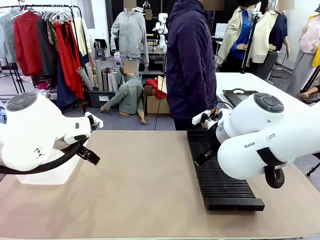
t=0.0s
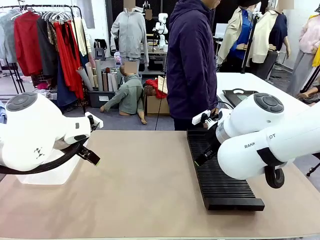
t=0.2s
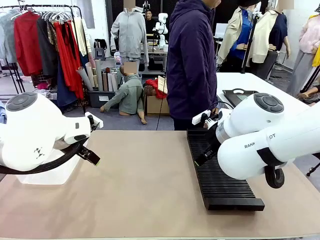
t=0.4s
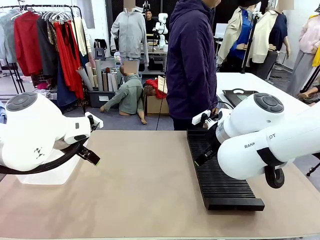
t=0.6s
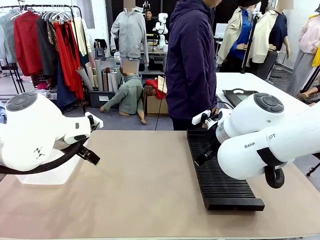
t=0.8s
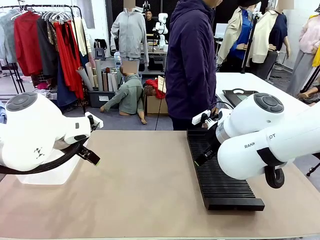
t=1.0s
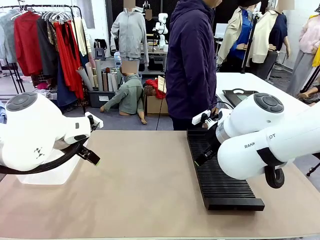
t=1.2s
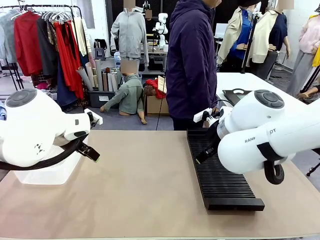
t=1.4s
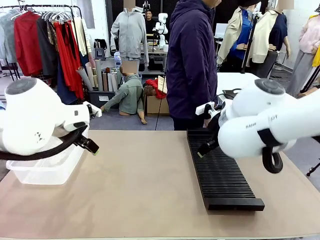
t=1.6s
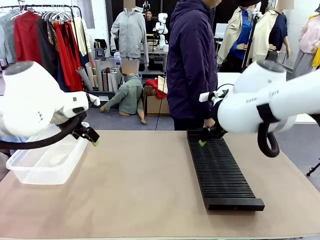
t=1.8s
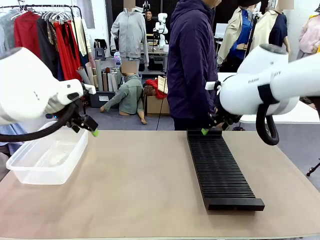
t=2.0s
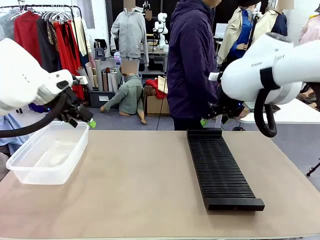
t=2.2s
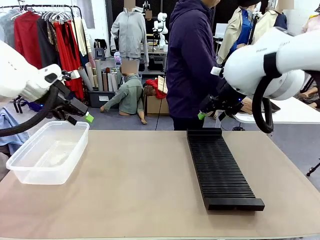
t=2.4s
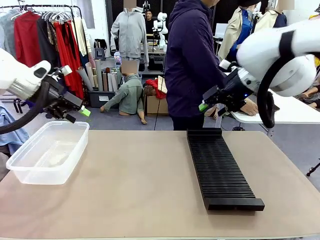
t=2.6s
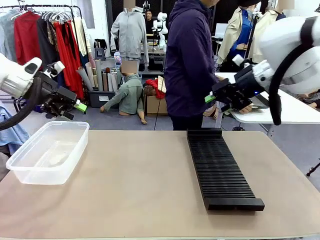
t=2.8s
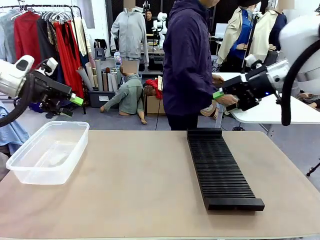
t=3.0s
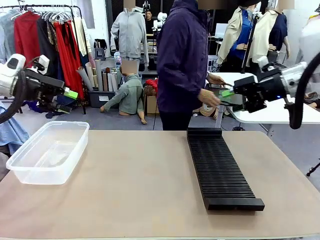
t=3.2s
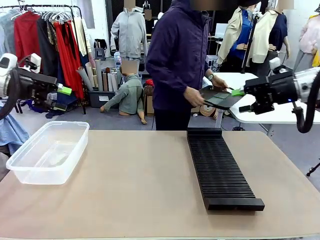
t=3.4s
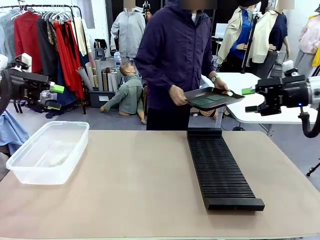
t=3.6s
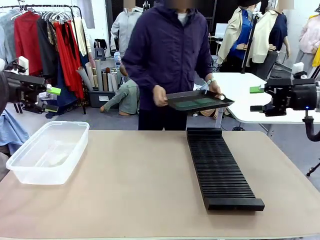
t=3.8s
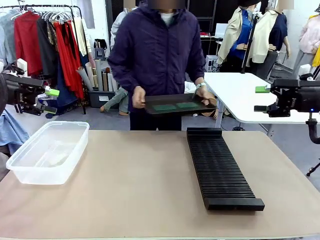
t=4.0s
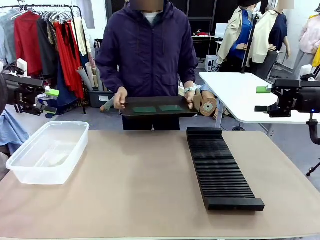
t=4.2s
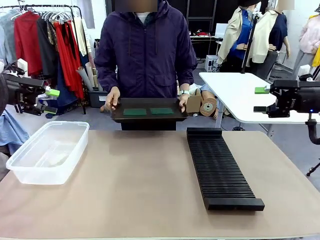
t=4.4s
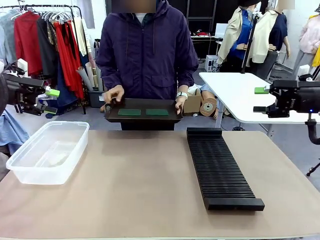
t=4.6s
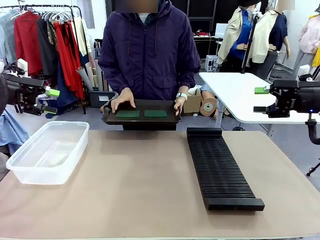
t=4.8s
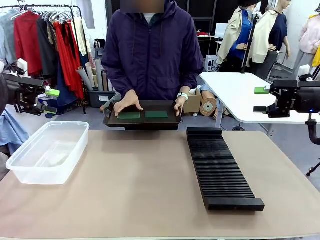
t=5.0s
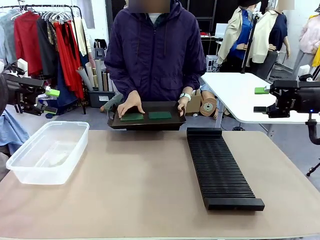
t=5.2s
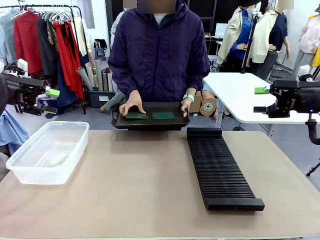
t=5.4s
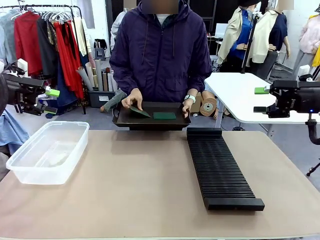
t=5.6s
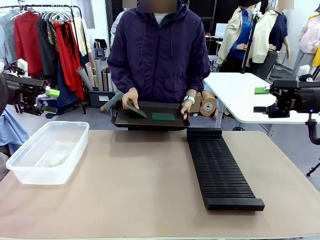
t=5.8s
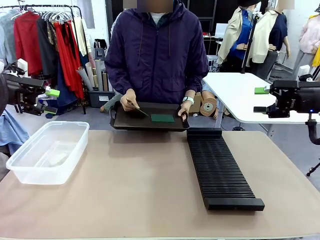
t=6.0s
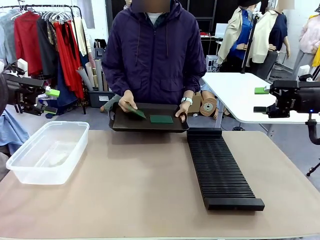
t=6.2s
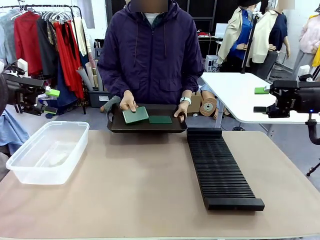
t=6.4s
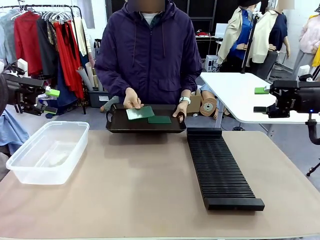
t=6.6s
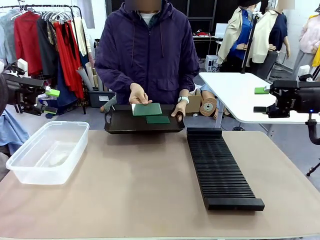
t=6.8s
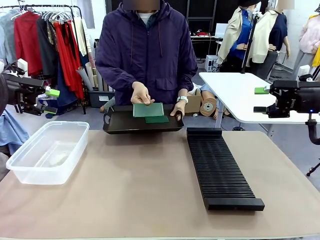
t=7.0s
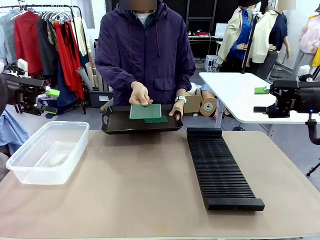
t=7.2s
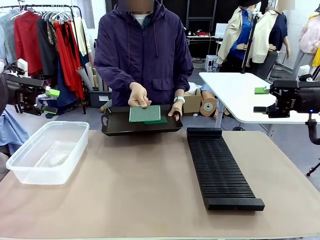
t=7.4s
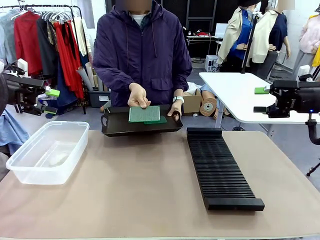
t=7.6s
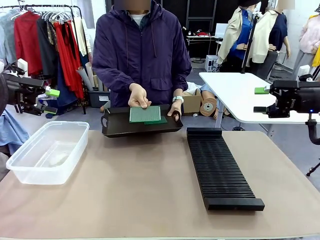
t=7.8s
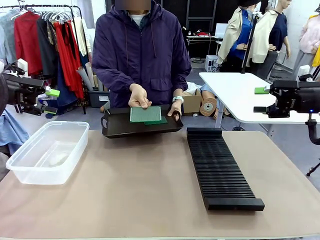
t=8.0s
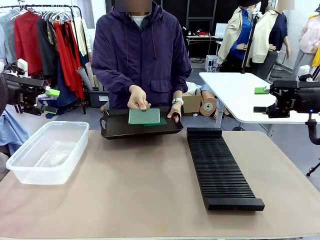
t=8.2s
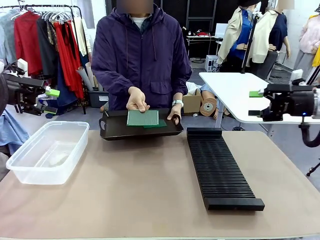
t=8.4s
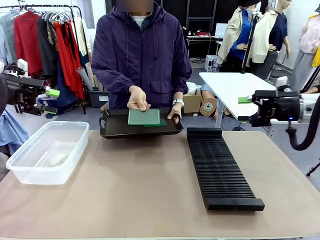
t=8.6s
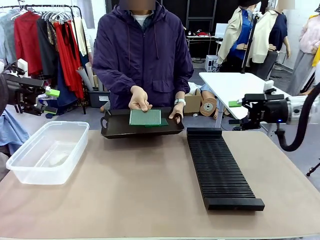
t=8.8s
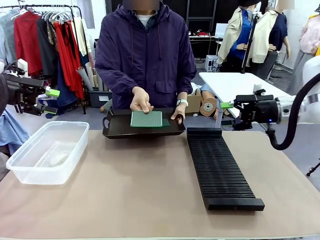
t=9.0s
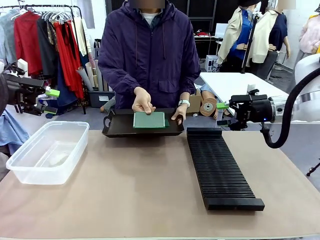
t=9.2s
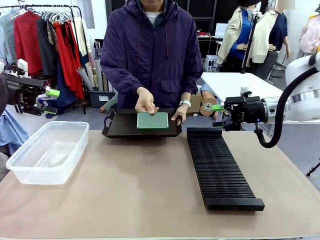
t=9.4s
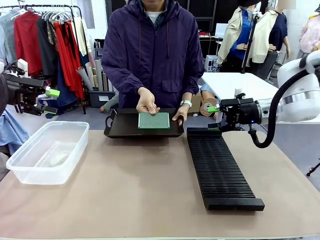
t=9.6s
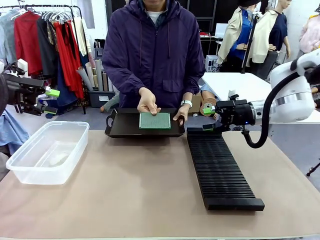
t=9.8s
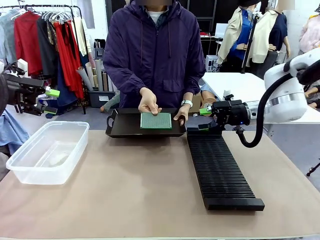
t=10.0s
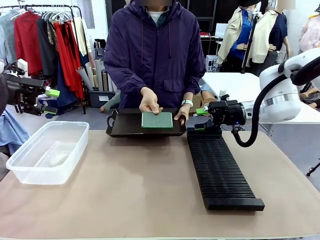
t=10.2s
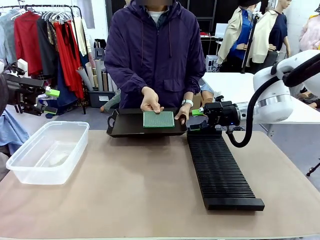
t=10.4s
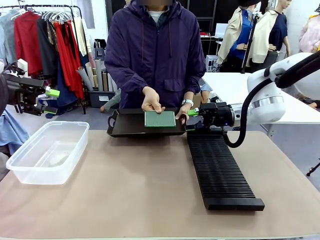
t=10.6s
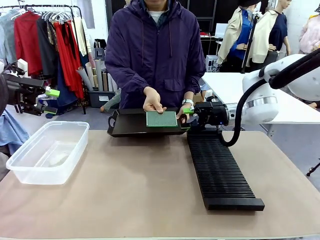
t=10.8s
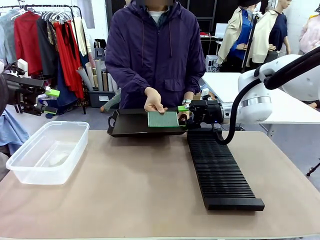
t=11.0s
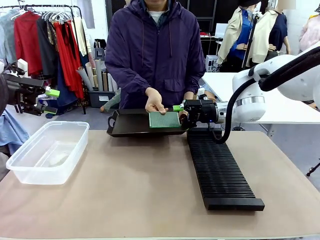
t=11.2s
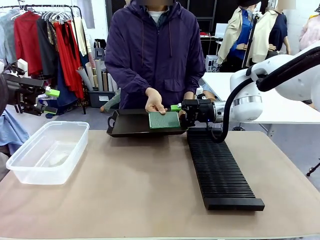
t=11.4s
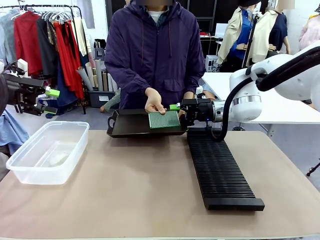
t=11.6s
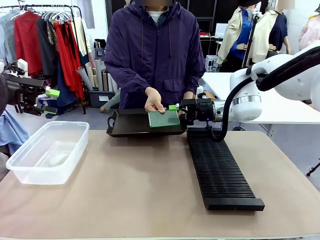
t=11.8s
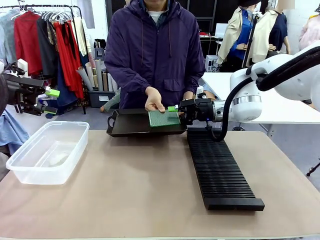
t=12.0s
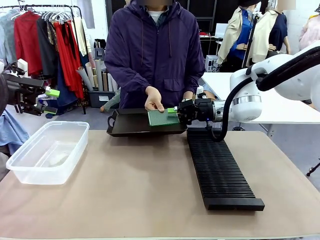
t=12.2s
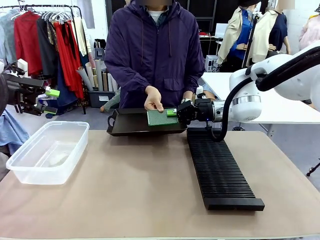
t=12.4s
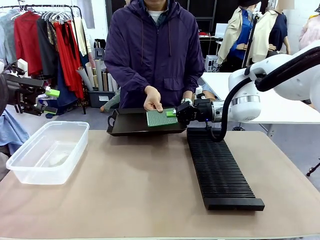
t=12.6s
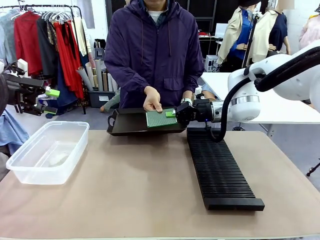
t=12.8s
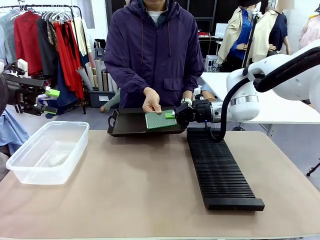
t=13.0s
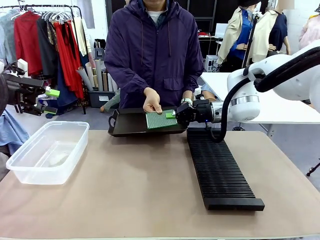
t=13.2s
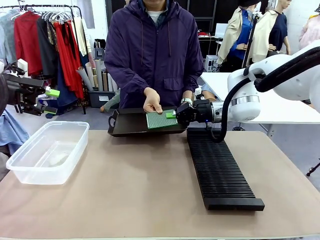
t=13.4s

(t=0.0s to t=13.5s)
Task: Sort PCBs into racks and boxes based on the side picked up.
Robot: Pick up the Blank PCB handed by the Human.
Person: Pick one PCB from the tray and present it to the robot. Release the PCB being held.
